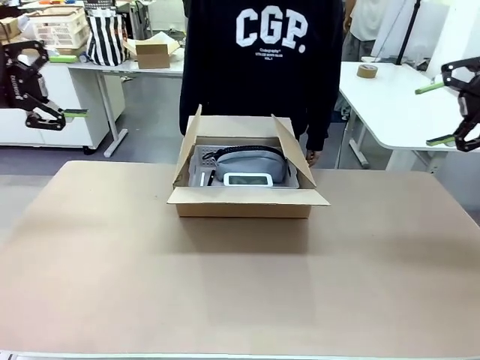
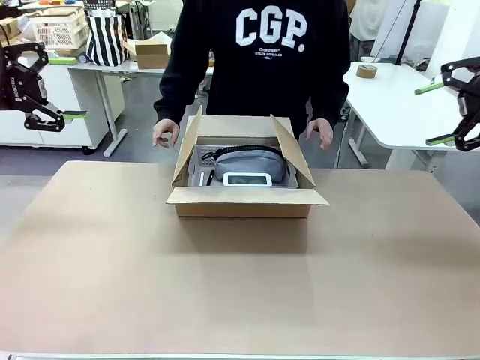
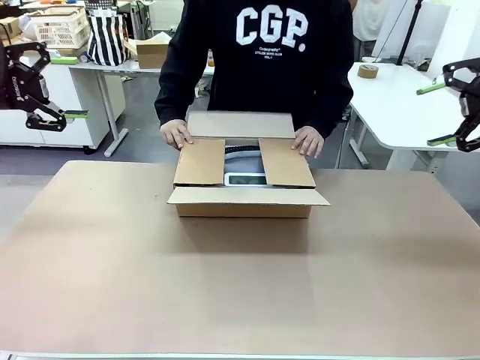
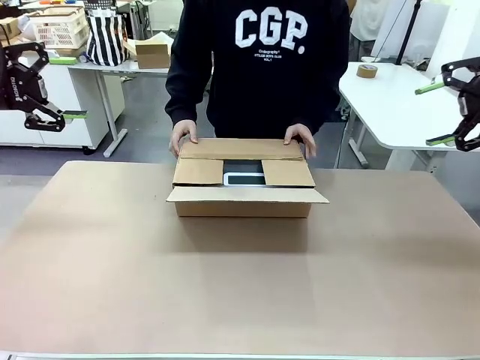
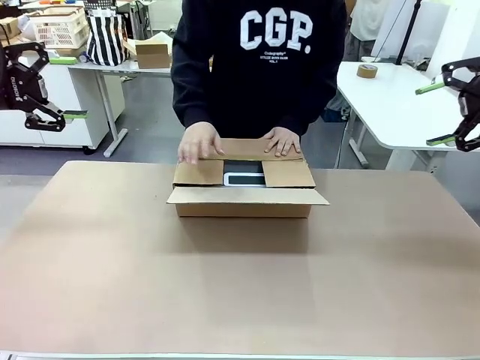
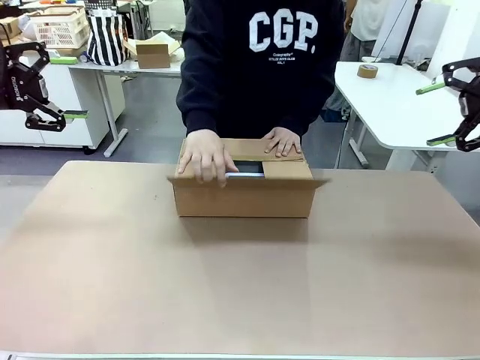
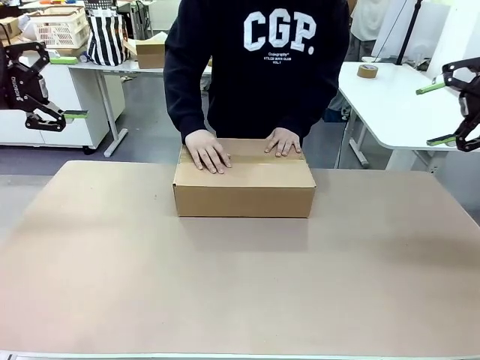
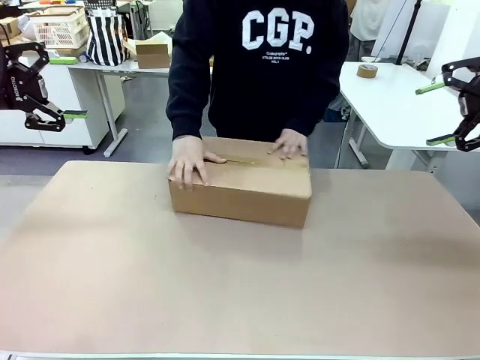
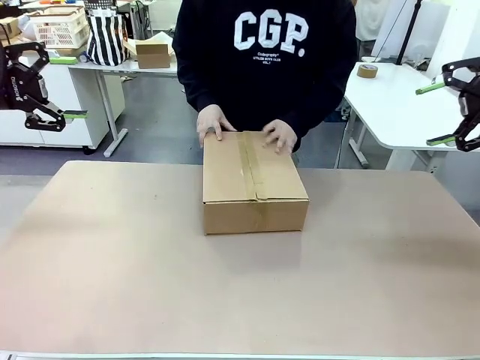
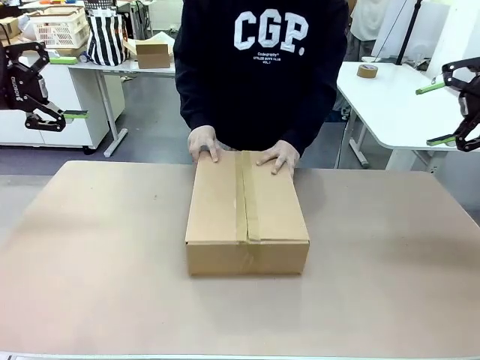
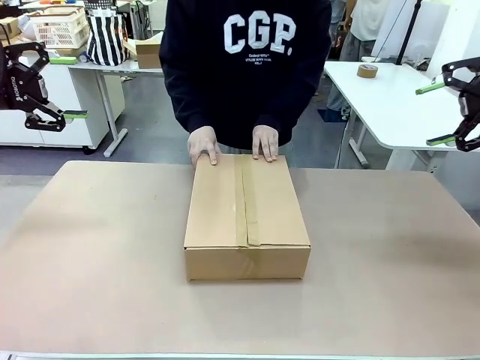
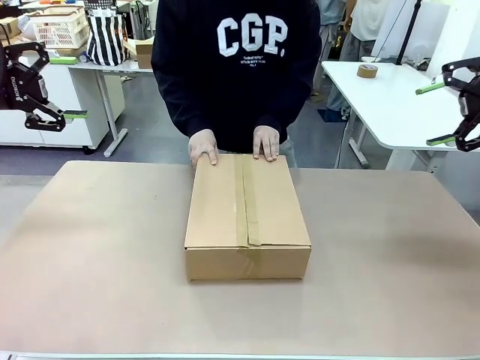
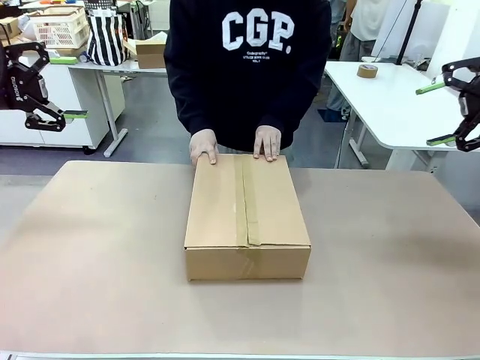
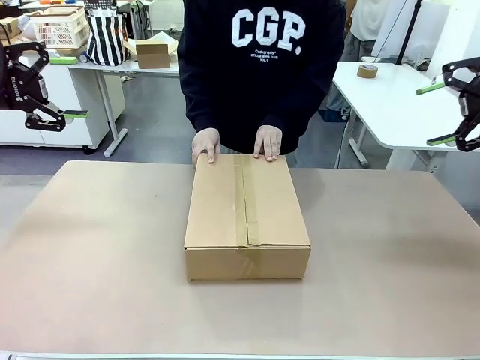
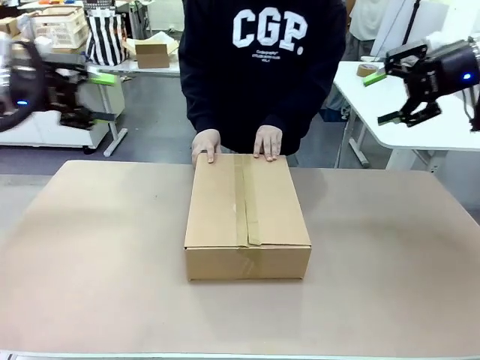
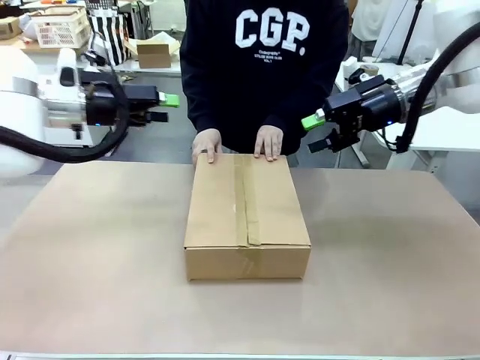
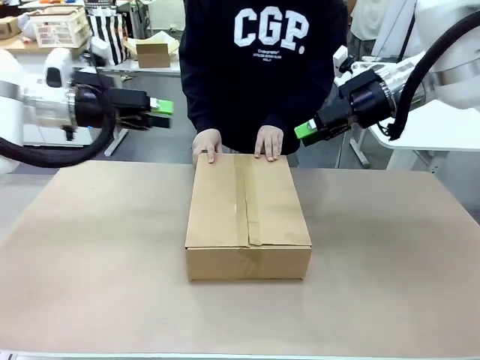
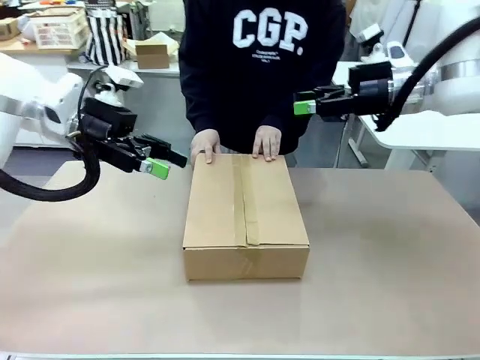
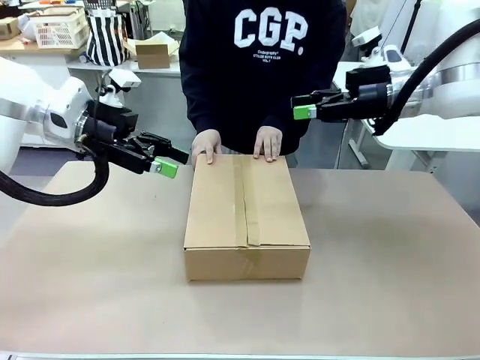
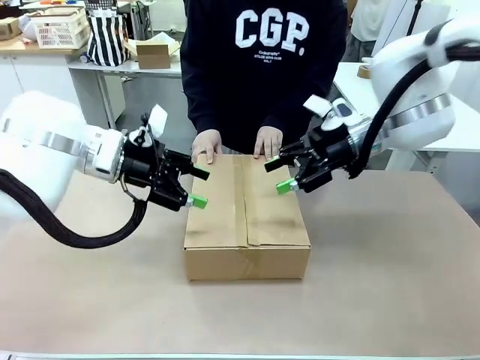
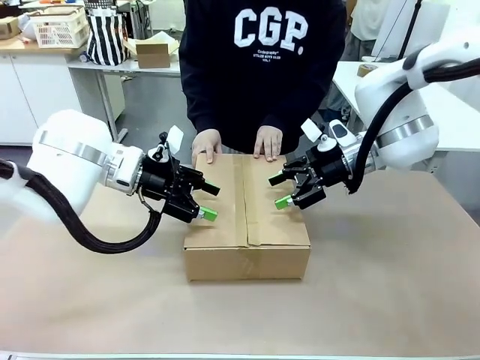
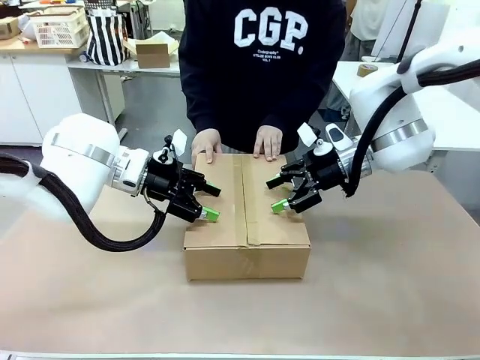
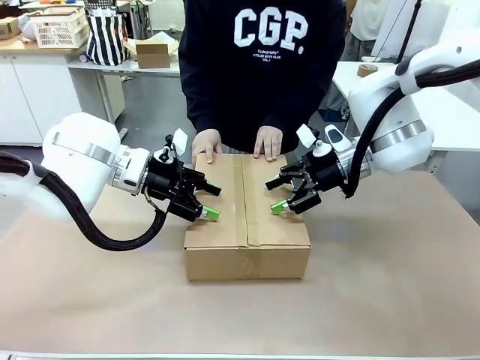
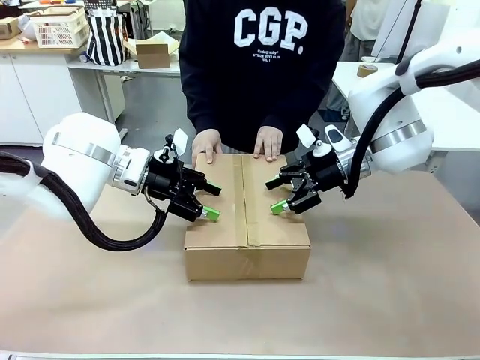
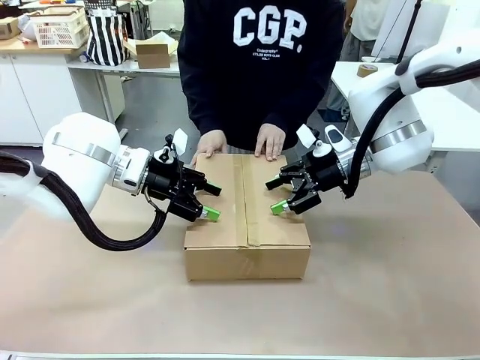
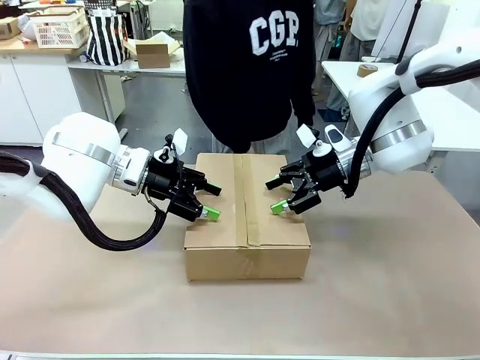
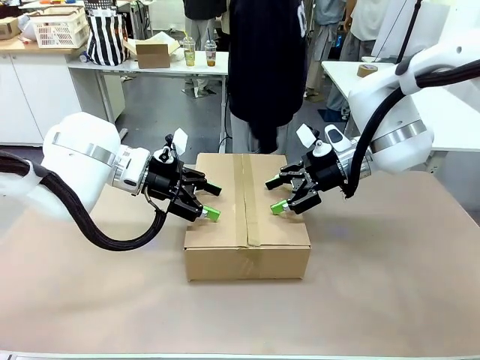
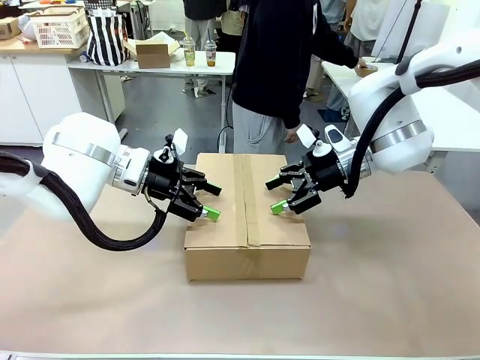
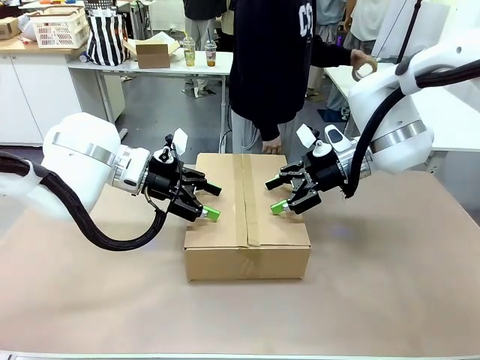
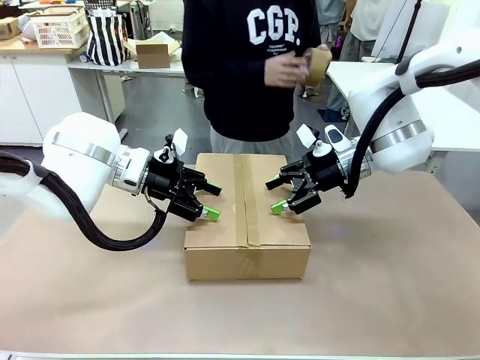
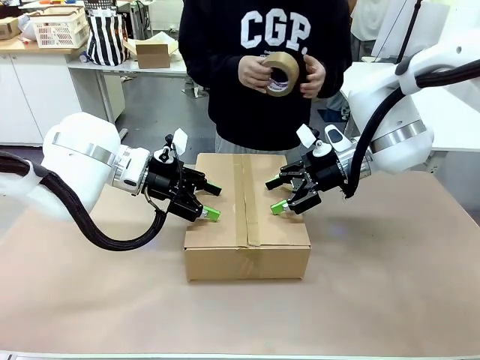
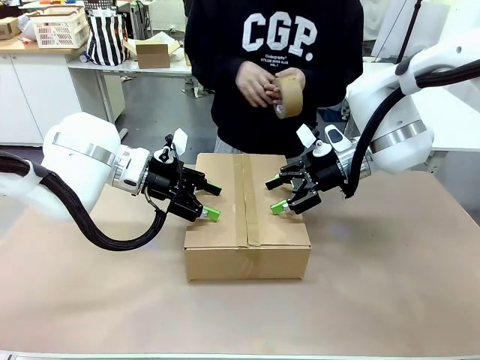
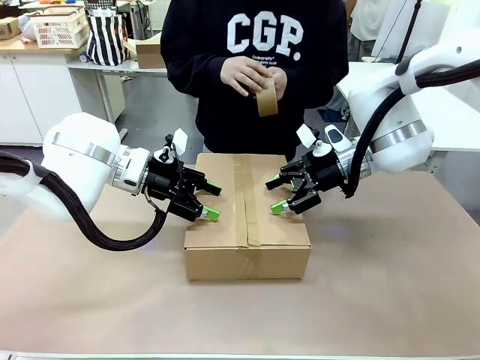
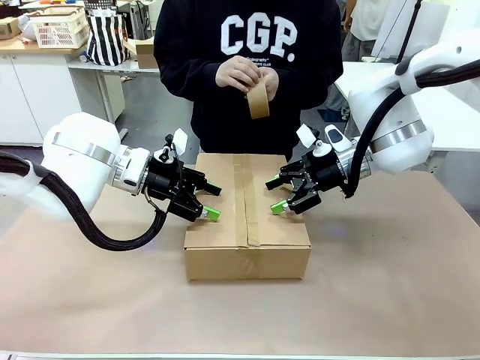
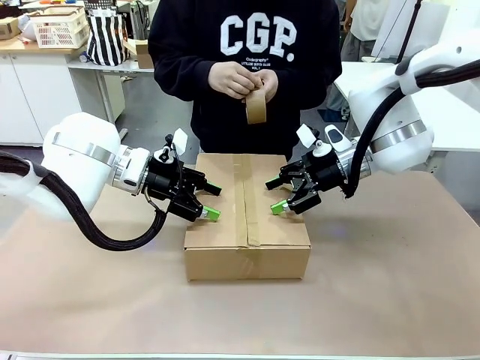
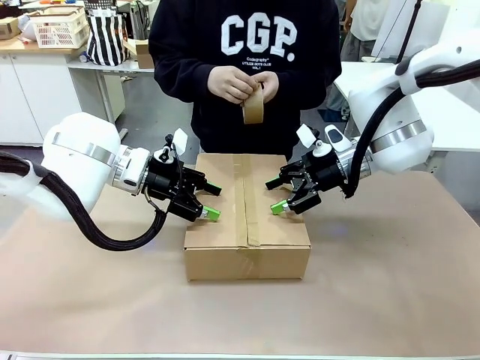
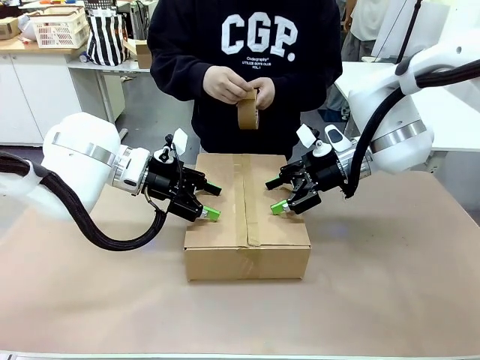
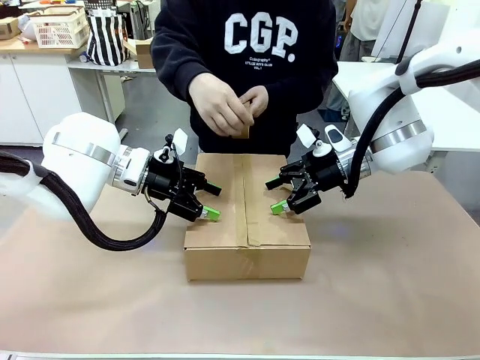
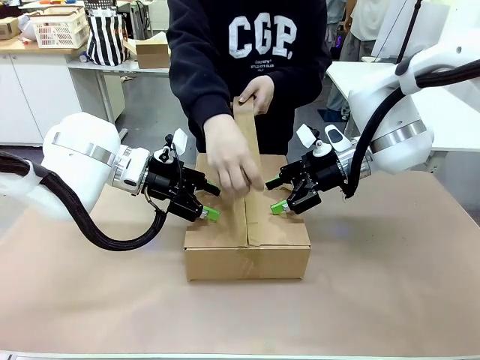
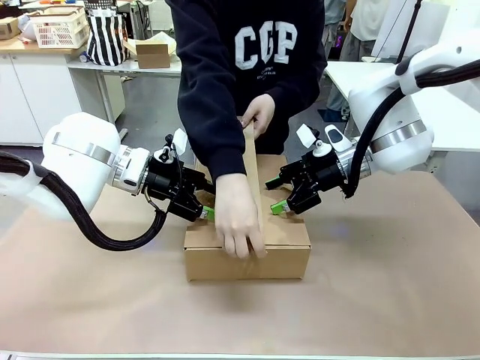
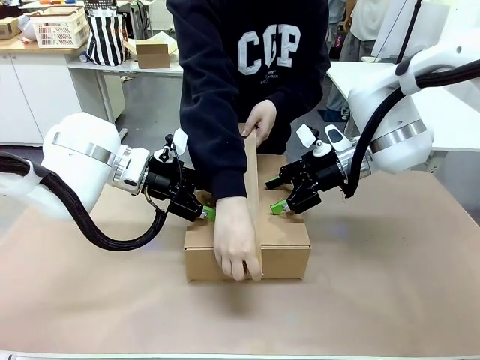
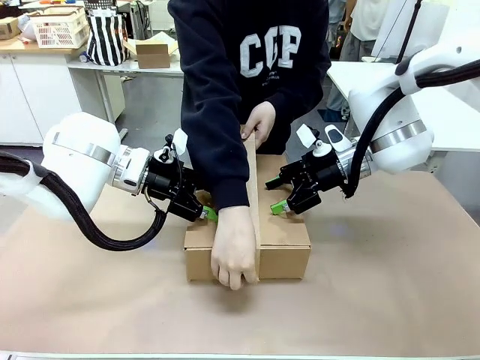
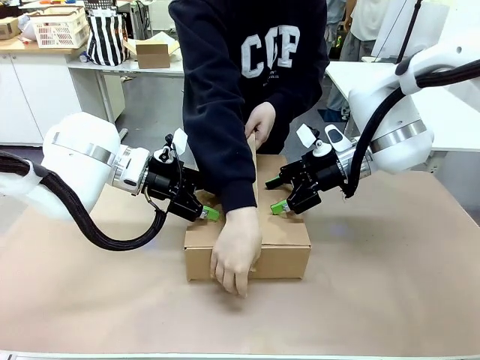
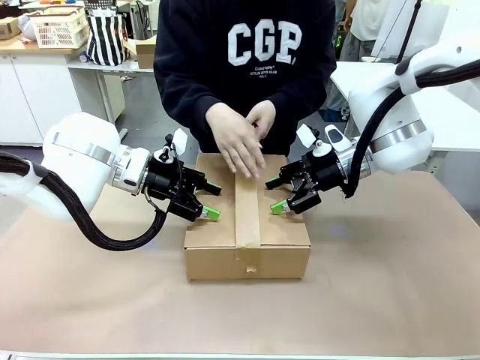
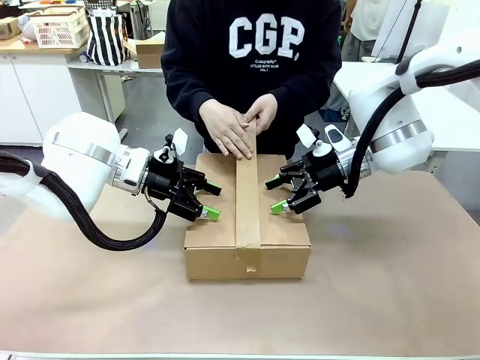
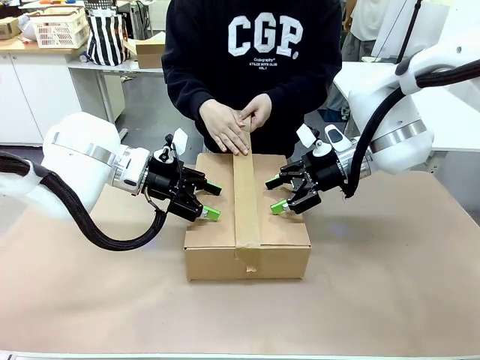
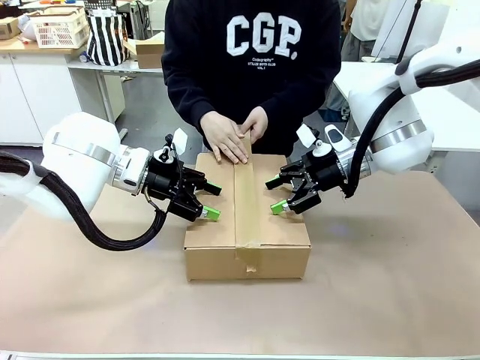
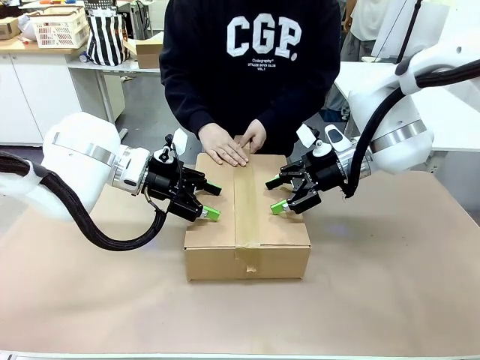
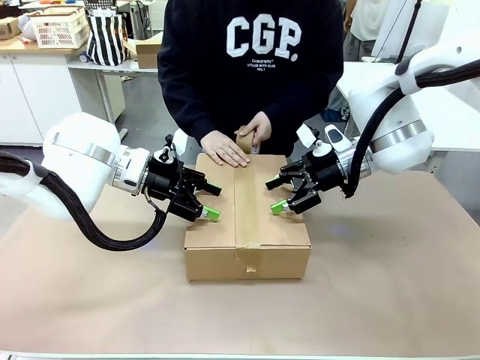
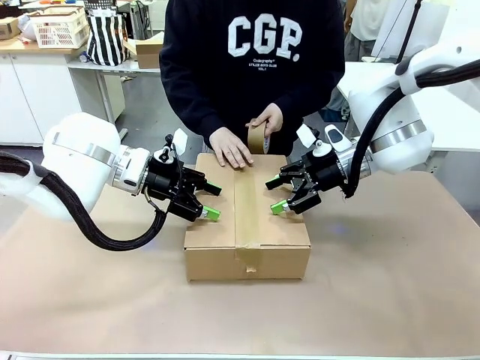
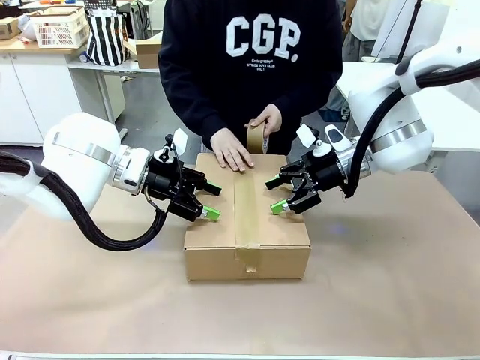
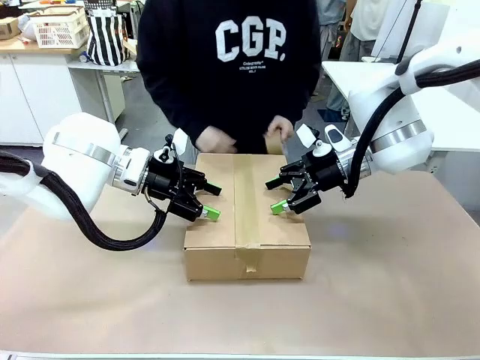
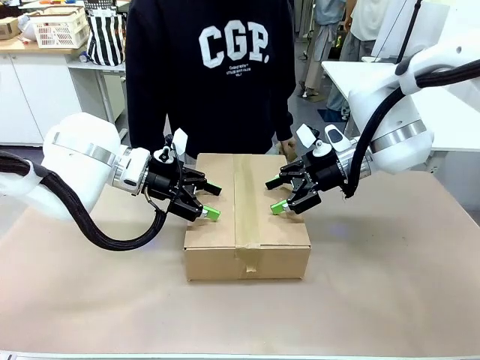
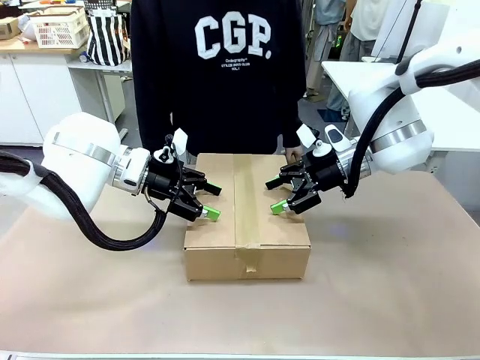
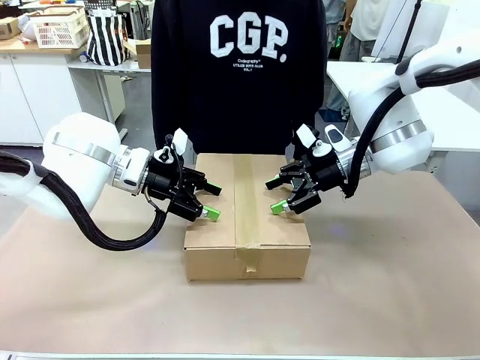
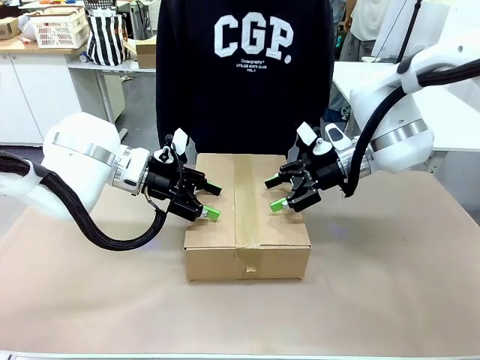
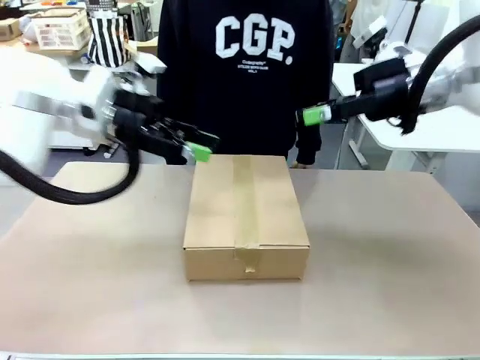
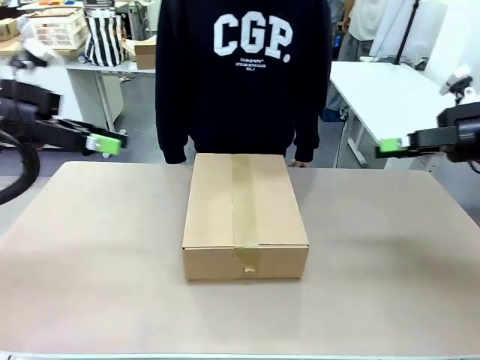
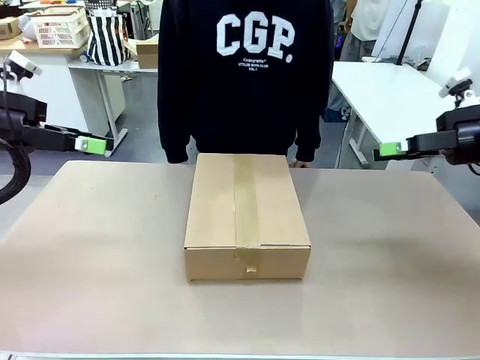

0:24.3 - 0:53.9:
Task: Pack the gift set into the box.
Robot: Press and hold the closed box until the human finishes sealing it.
Person: The human closes the box and rotates the box by 90 degrees. The human picks up the paper tape from the human table and packs the box.
